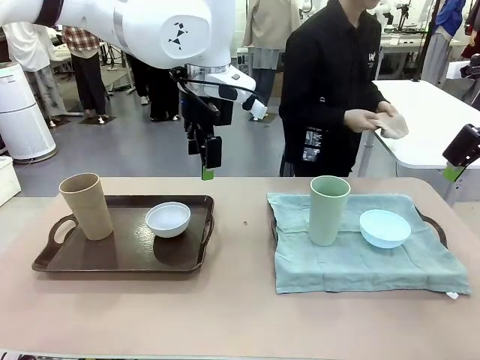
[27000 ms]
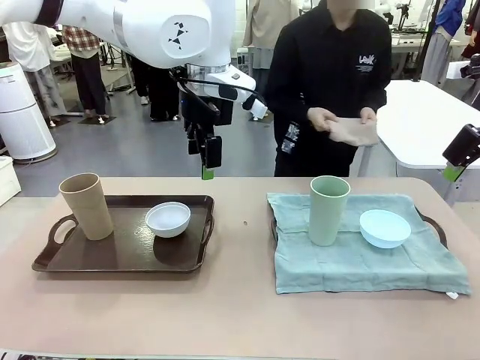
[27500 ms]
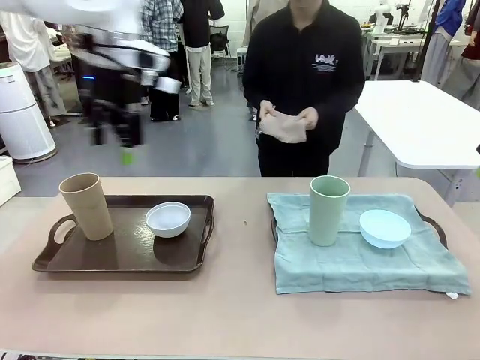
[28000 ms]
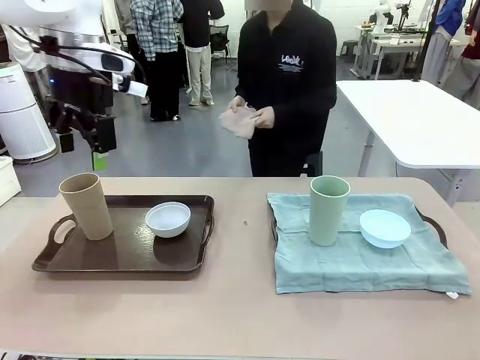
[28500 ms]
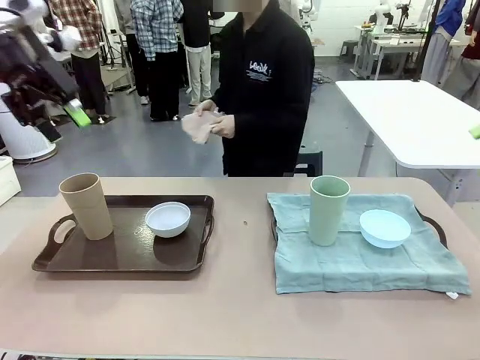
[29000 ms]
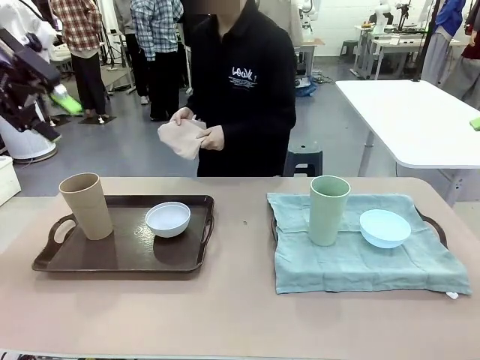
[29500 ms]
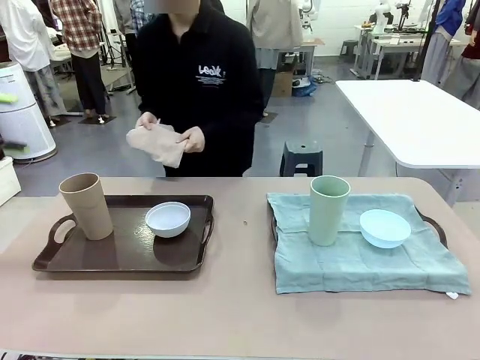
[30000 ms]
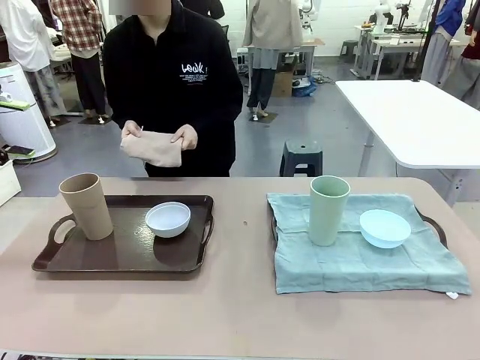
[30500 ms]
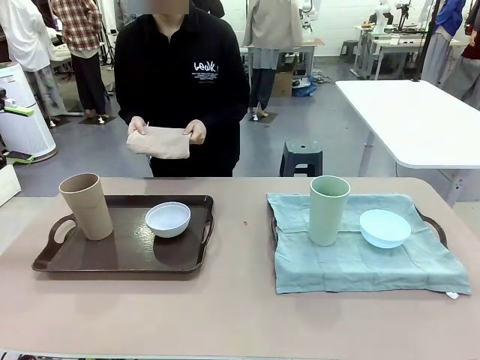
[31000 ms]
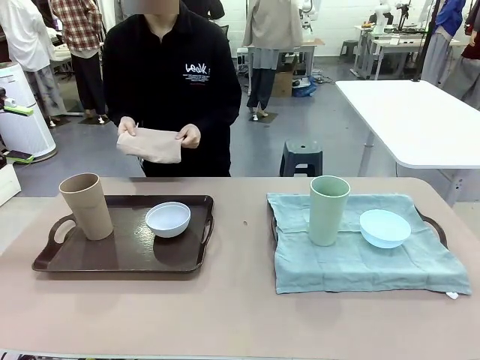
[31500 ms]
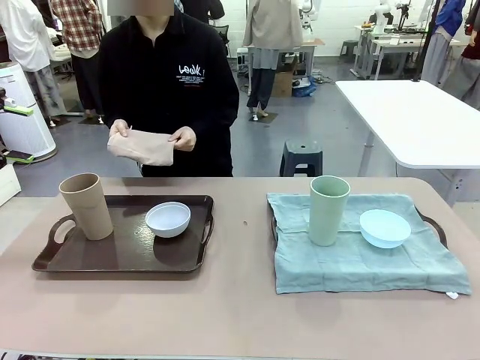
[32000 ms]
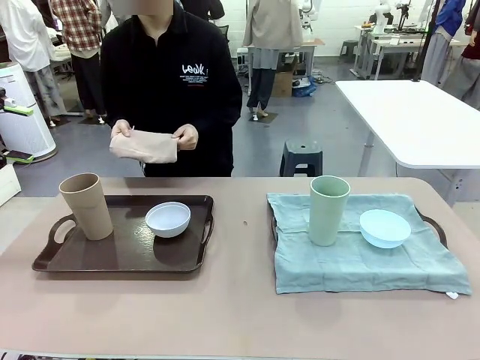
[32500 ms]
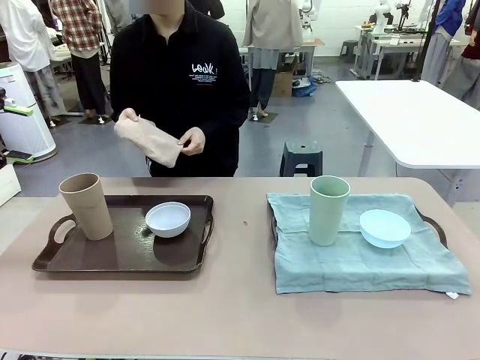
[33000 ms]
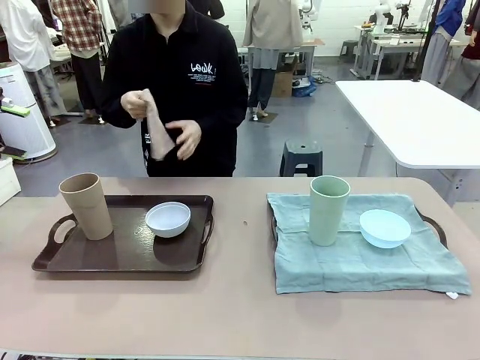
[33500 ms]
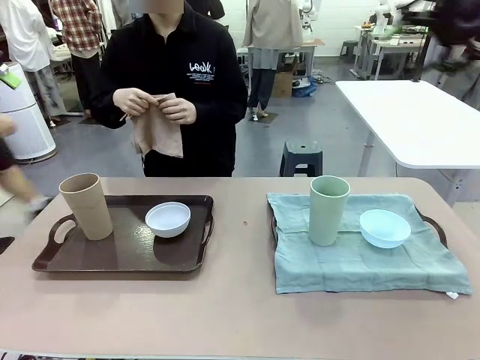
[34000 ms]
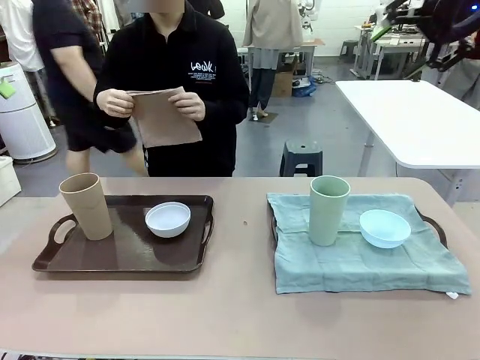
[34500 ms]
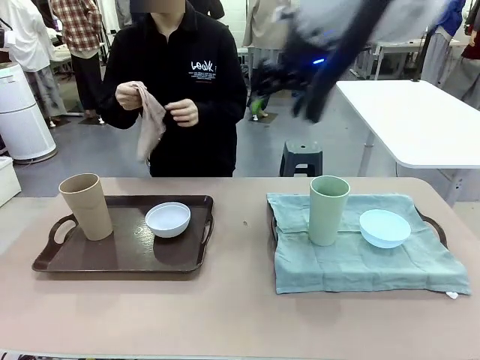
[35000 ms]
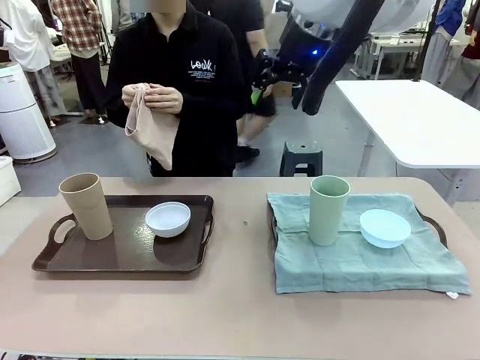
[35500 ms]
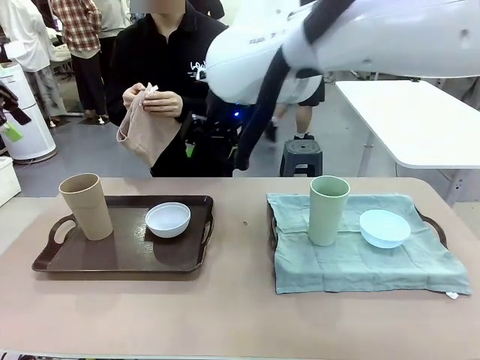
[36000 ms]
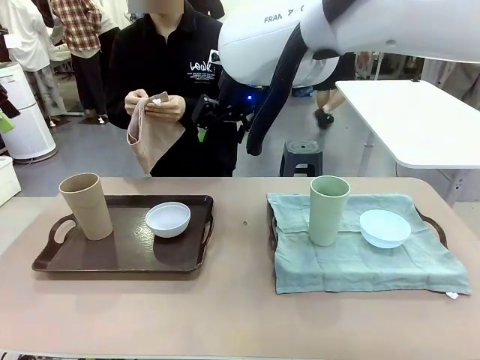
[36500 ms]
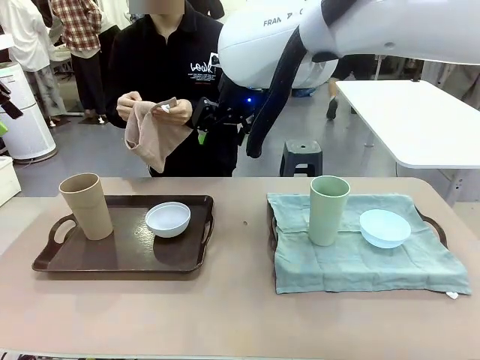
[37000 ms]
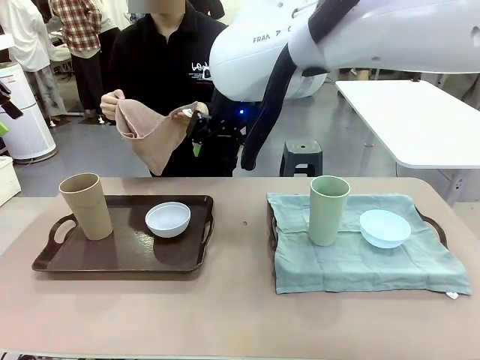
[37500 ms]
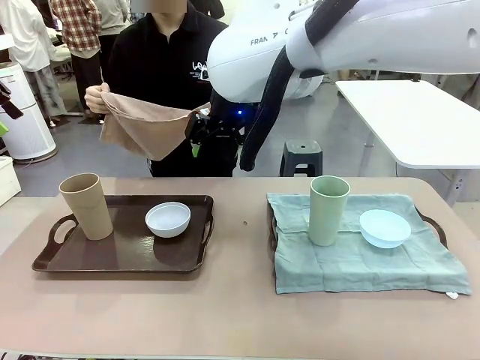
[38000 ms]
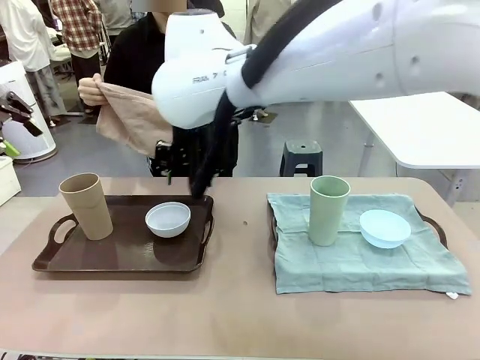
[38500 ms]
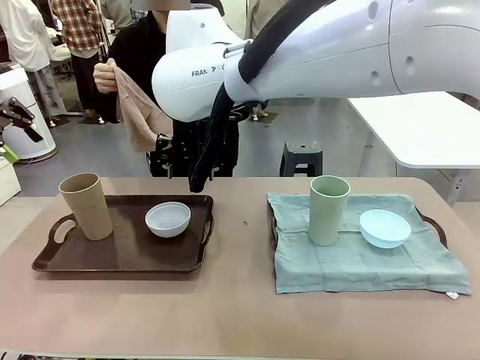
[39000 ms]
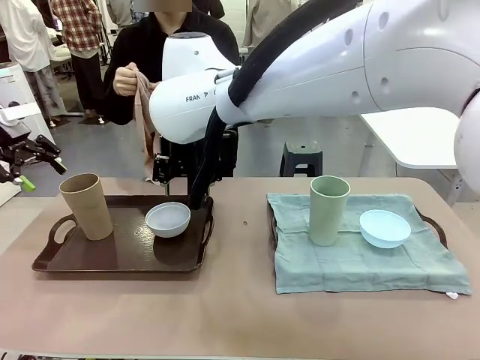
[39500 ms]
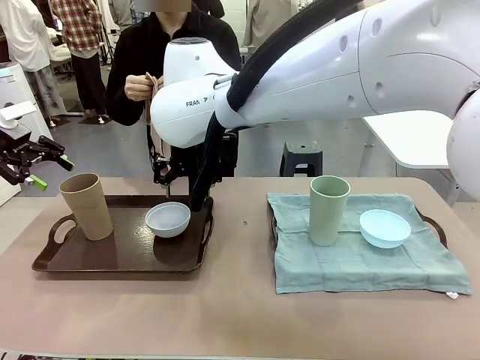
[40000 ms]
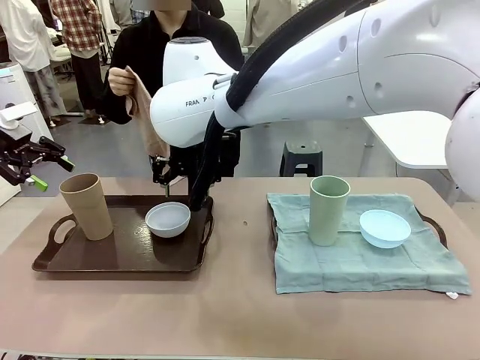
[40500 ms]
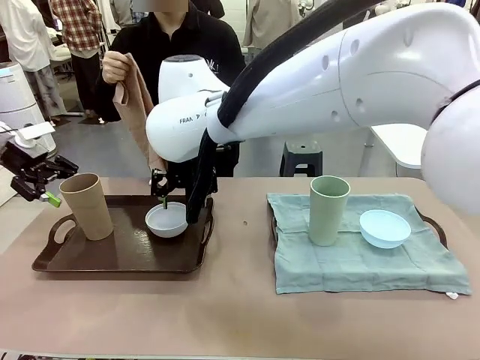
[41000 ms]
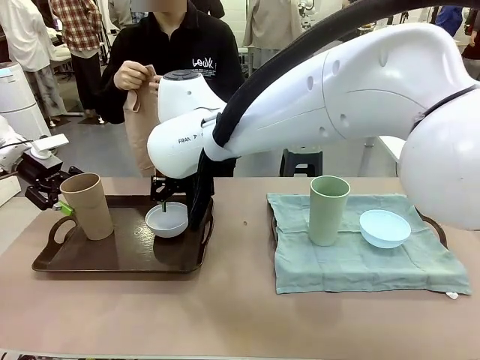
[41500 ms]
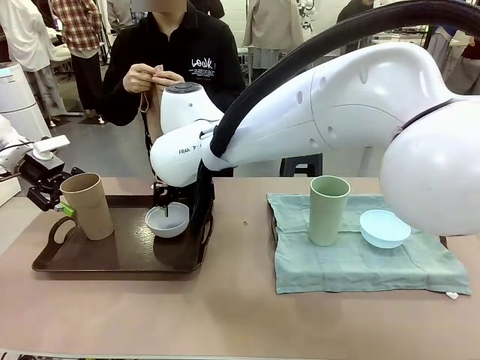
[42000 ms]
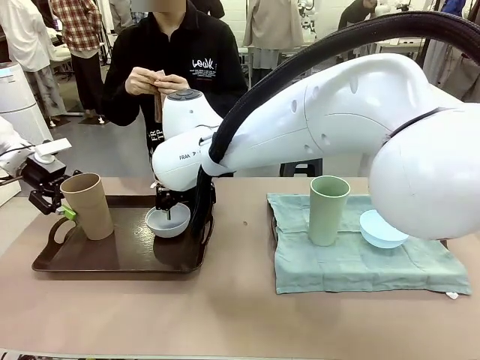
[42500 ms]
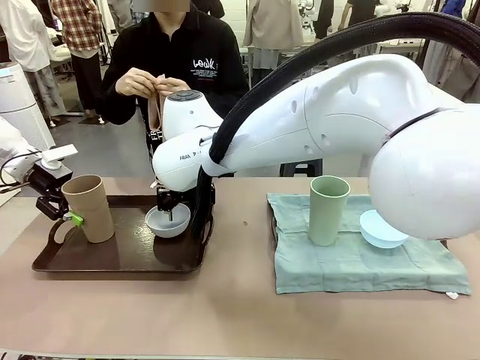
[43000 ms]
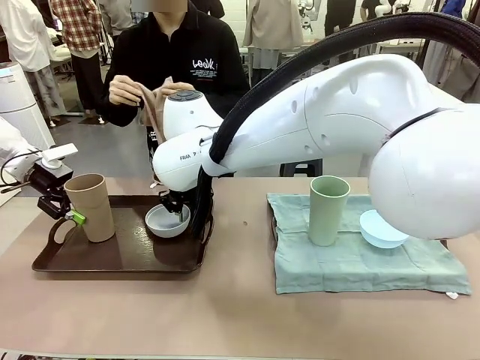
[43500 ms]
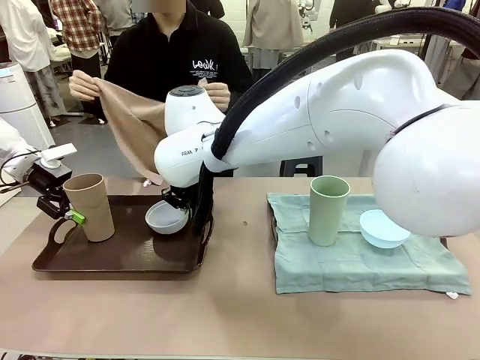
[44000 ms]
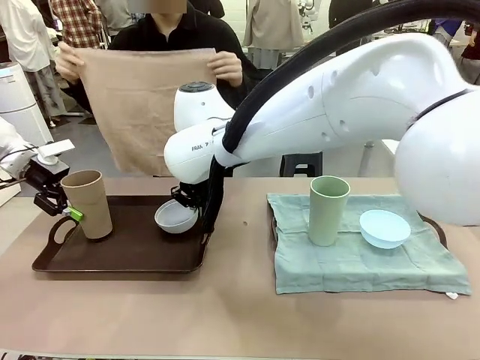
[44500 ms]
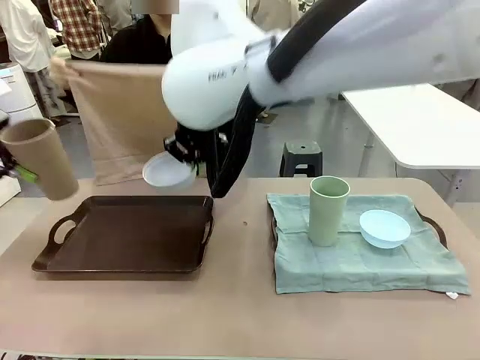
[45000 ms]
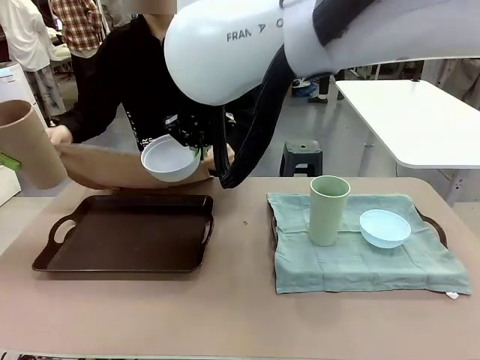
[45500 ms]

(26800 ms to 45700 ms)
Robot: Pick up the Picnic Bowl and Reusable plastic cup from the Handle tray in front of the human's position and hold them in the air.
Person: When the robot lifts the bowl and the cup, the human unfolds the napkin and lays the napkin flat on the tray.

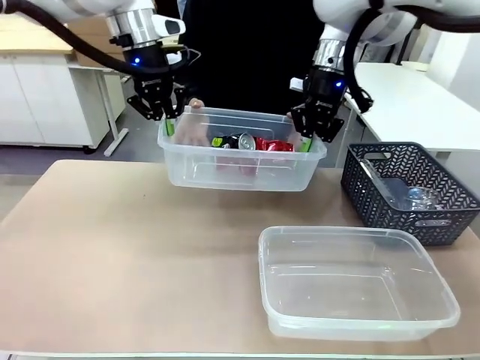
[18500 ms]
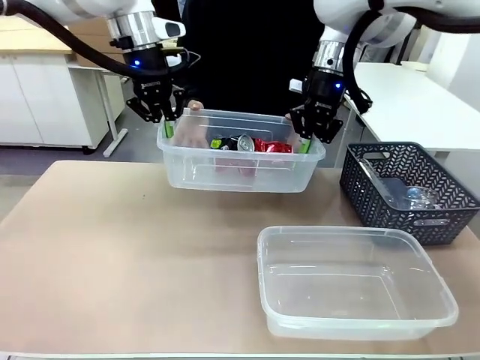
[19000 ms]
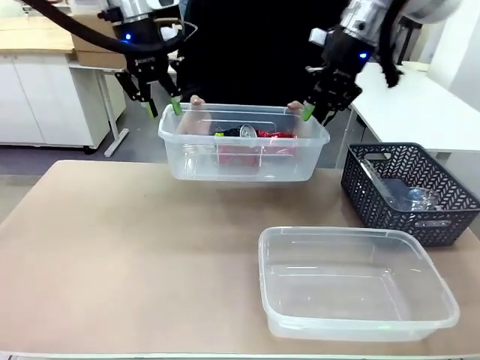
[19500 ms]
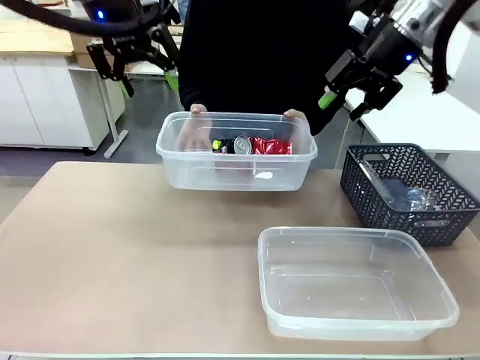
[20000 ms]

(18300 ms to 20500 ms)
Robot: Release the Organizing box you were holding.

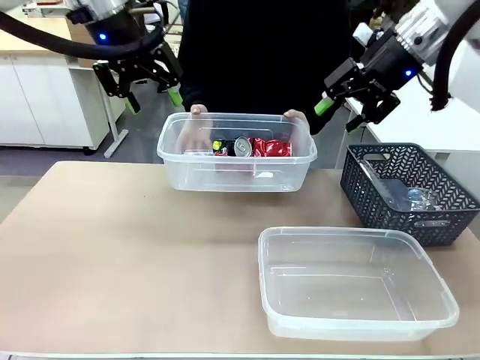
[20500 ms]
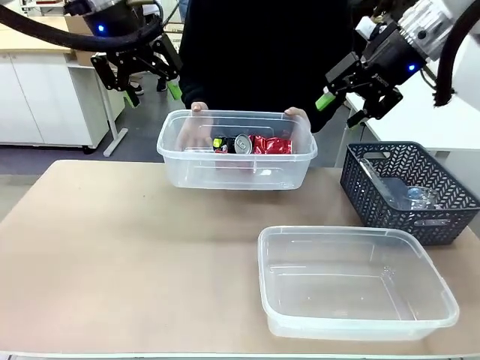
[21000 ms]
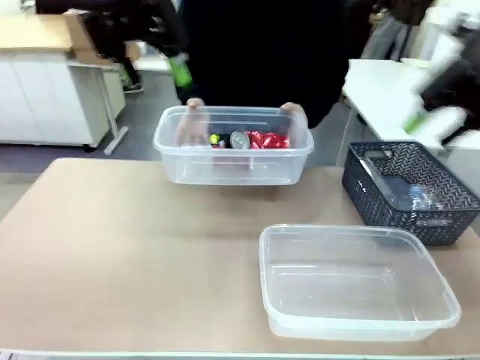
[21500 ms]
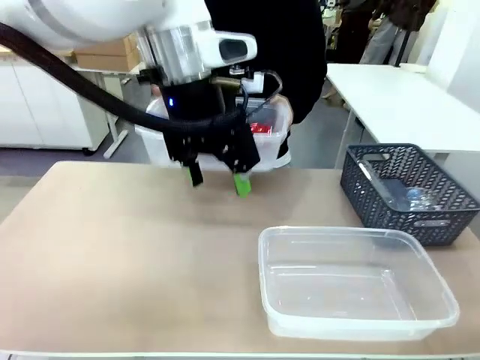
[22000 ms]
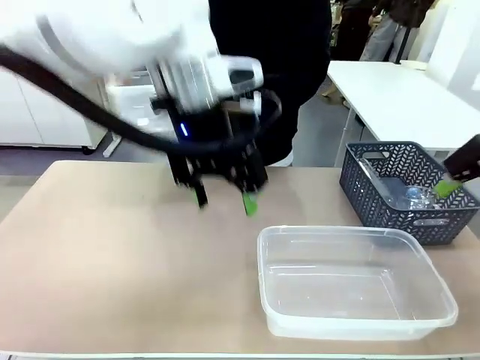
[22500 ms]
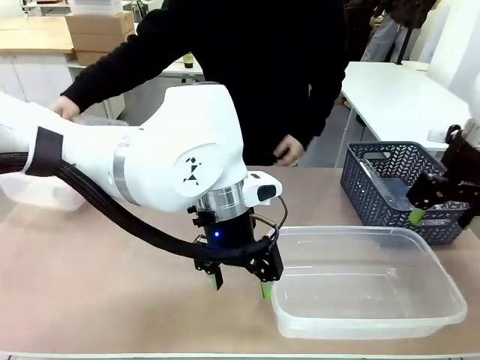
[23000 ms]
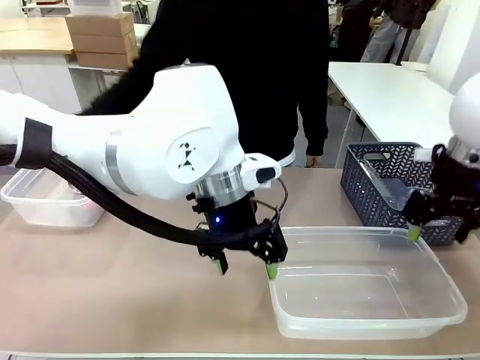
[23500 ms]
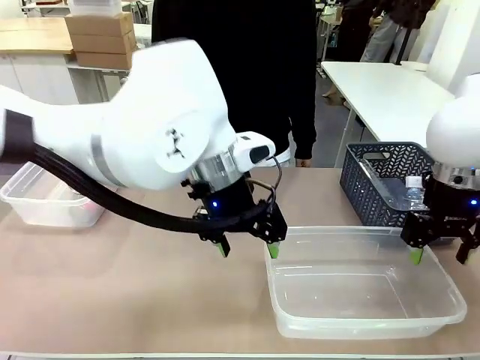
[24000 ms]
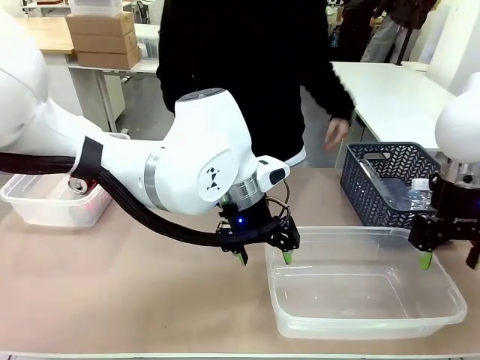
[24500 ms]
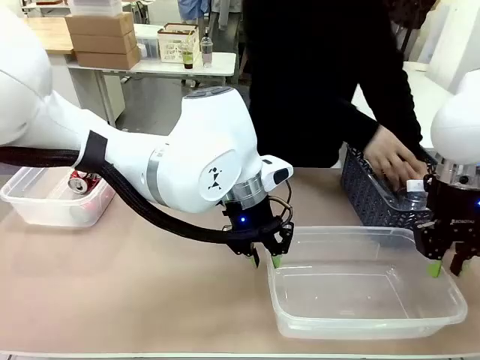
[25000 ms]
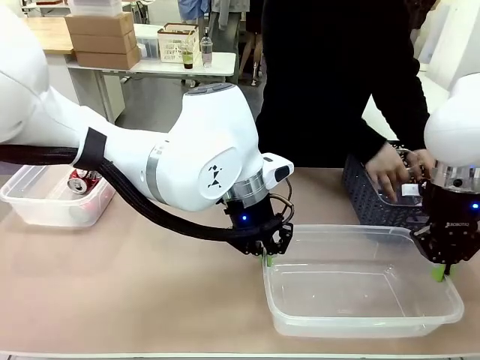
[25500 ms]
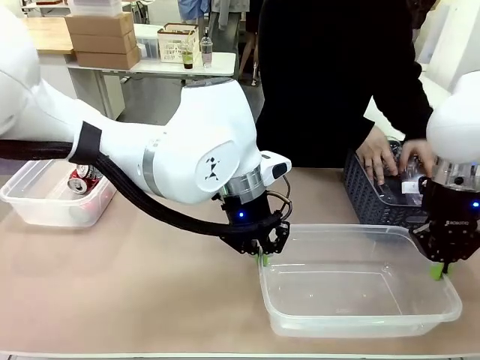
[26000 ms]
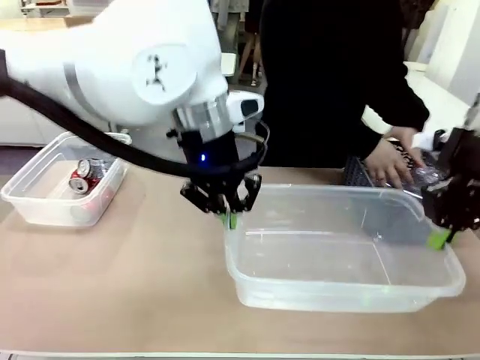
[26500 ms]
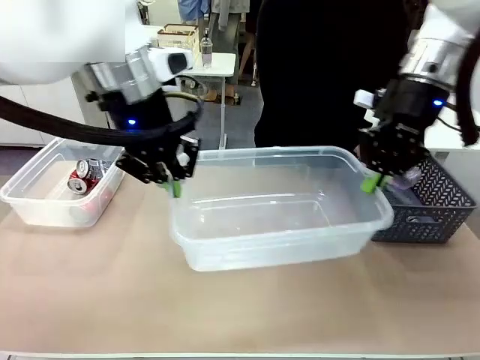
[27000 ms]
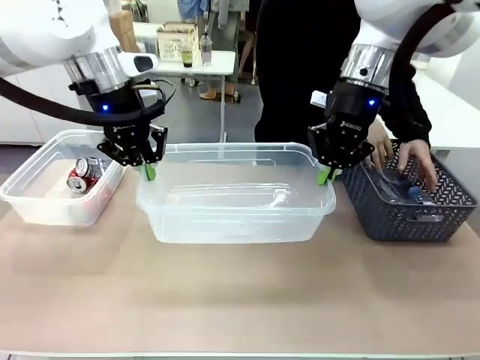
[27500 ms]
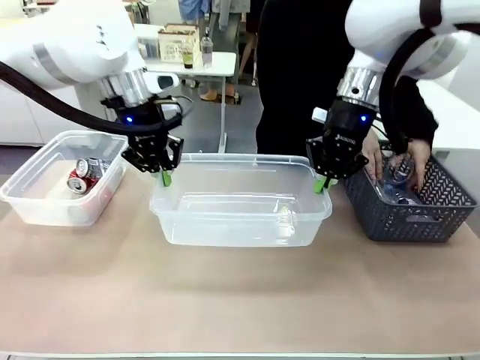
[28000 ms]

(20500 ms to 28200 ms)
Robot: Pick up the Organizing box on the right side of the table and lift it.
Person: Place it at the edge of the bottom right area of the robot table.
